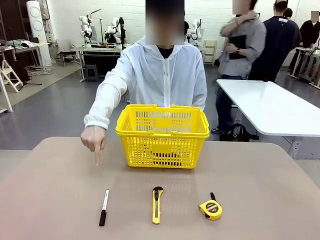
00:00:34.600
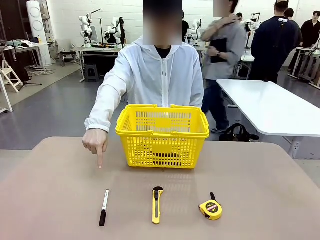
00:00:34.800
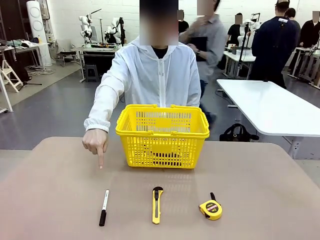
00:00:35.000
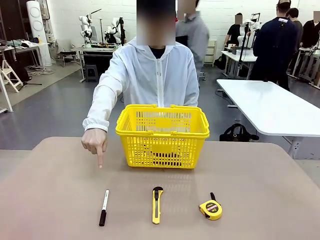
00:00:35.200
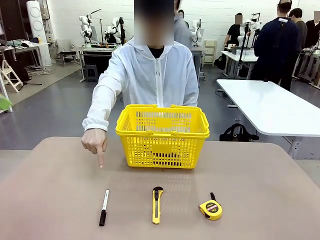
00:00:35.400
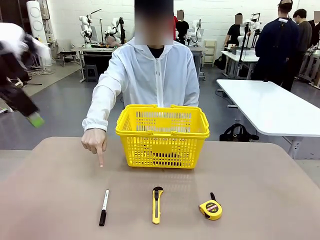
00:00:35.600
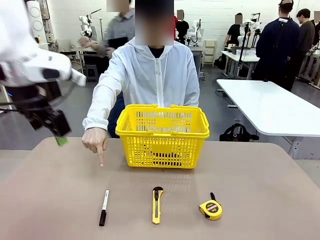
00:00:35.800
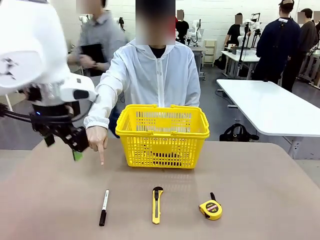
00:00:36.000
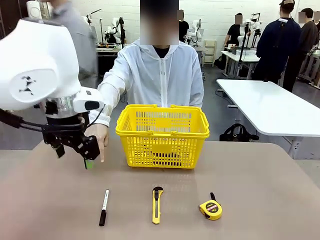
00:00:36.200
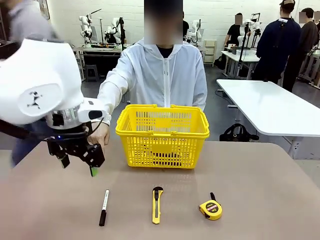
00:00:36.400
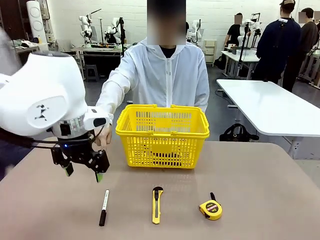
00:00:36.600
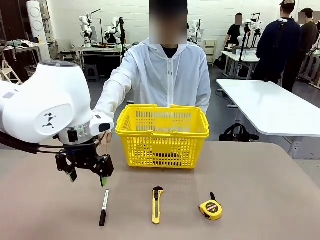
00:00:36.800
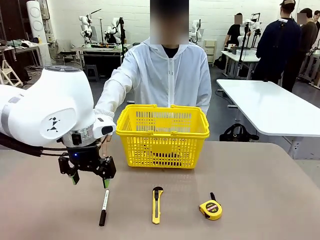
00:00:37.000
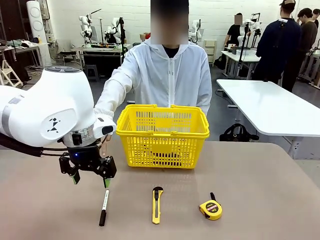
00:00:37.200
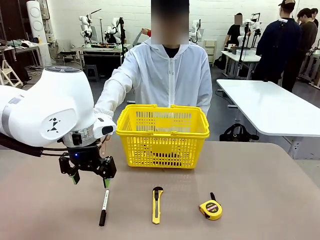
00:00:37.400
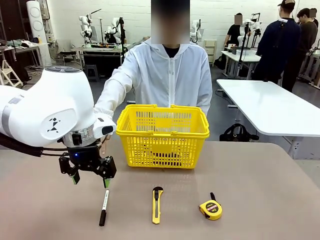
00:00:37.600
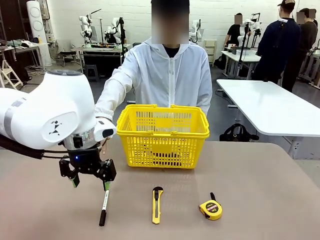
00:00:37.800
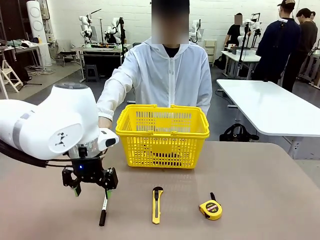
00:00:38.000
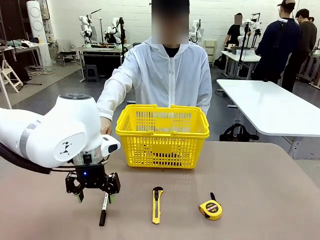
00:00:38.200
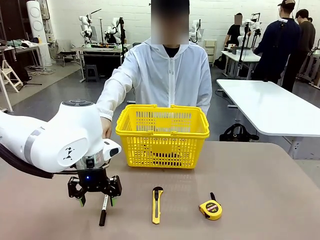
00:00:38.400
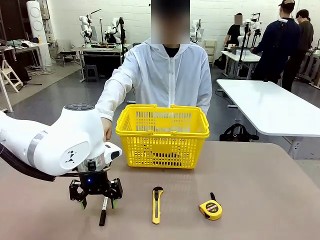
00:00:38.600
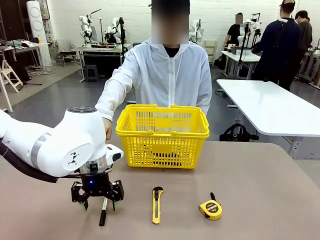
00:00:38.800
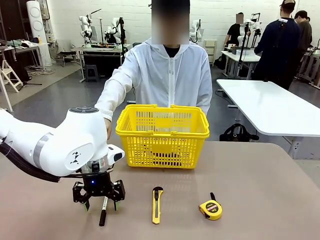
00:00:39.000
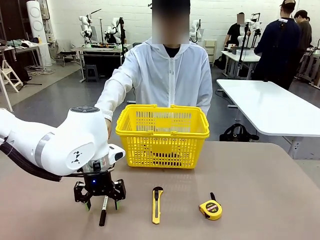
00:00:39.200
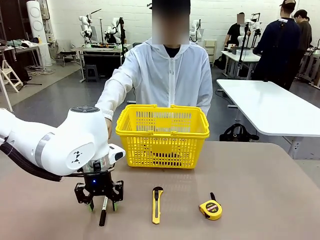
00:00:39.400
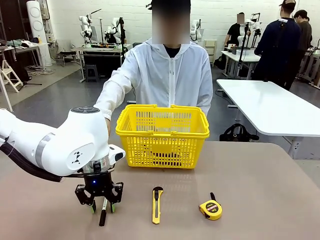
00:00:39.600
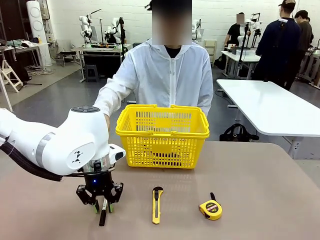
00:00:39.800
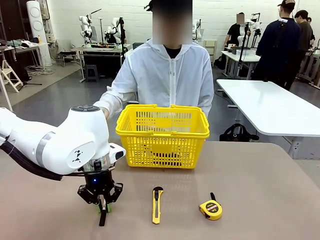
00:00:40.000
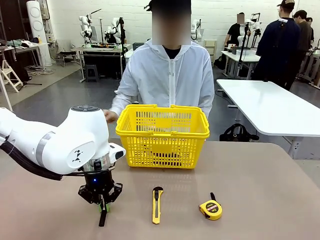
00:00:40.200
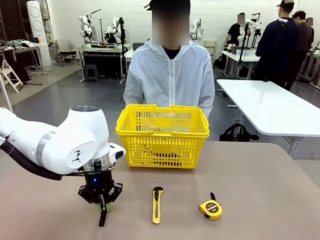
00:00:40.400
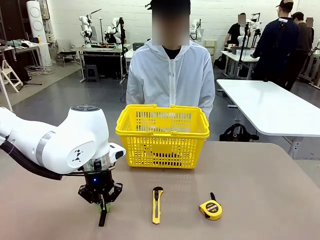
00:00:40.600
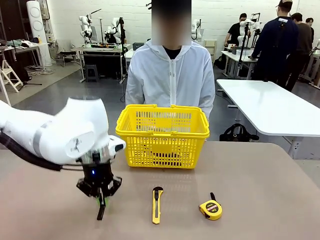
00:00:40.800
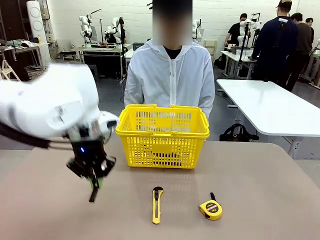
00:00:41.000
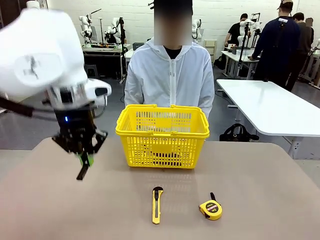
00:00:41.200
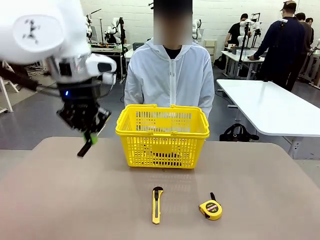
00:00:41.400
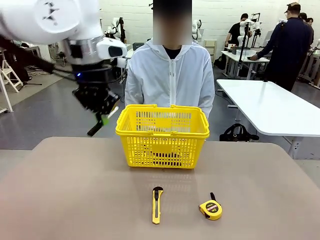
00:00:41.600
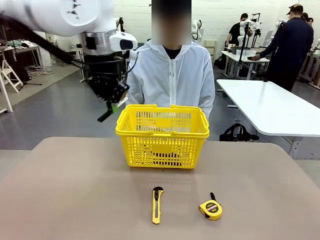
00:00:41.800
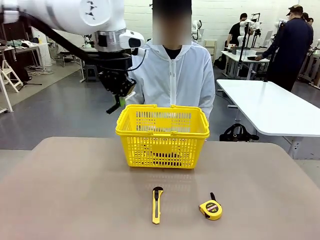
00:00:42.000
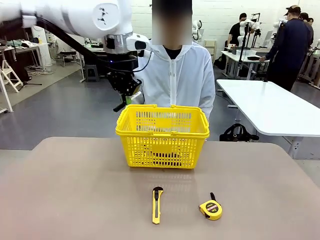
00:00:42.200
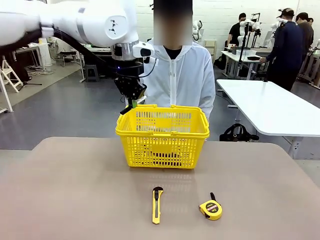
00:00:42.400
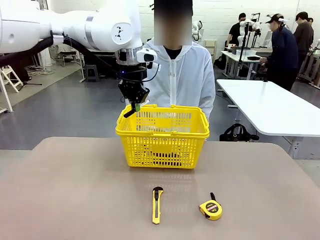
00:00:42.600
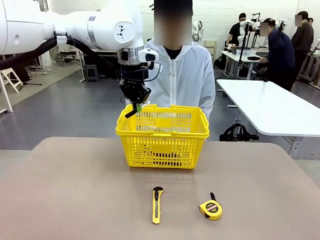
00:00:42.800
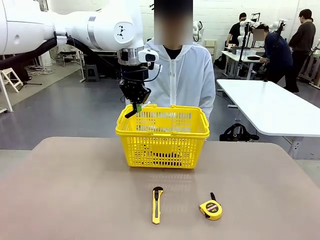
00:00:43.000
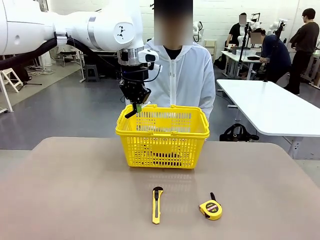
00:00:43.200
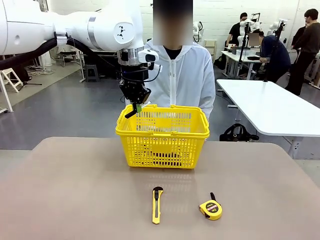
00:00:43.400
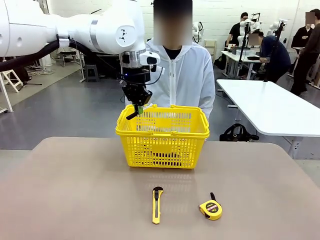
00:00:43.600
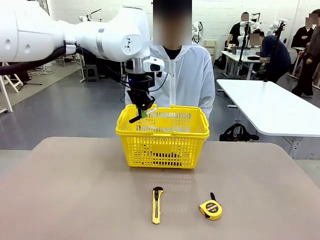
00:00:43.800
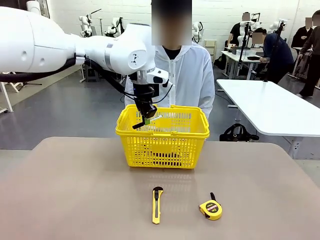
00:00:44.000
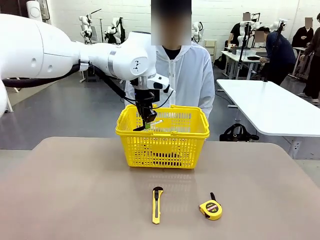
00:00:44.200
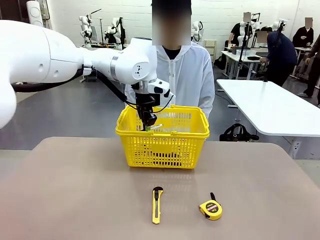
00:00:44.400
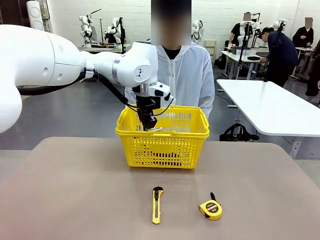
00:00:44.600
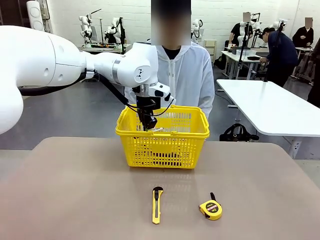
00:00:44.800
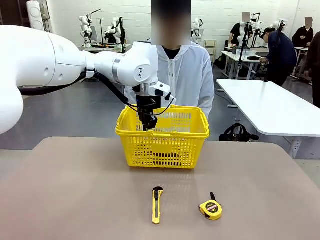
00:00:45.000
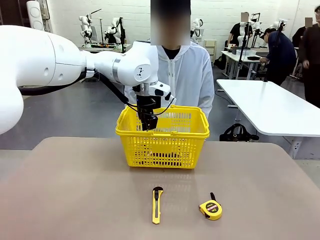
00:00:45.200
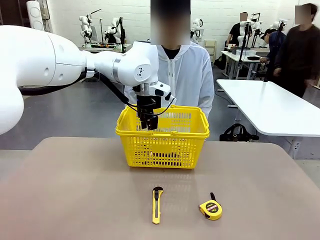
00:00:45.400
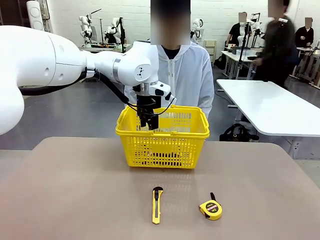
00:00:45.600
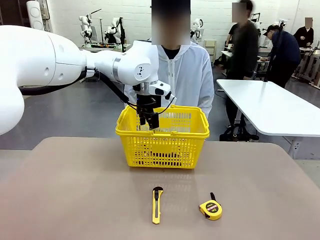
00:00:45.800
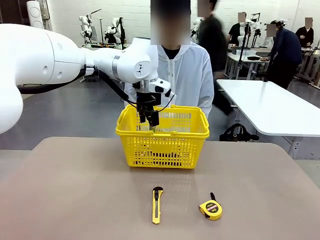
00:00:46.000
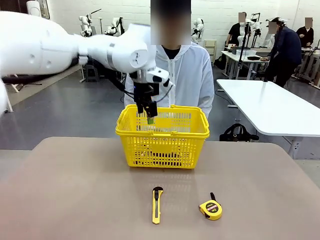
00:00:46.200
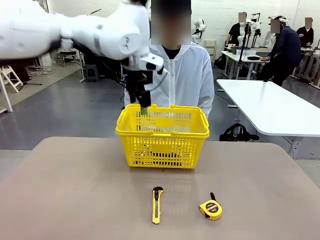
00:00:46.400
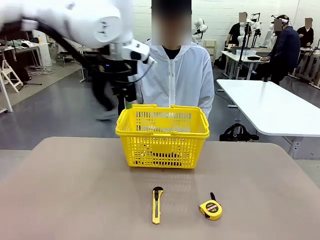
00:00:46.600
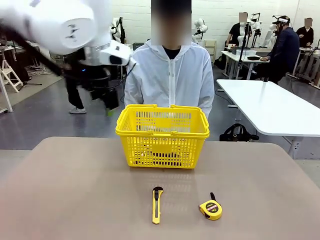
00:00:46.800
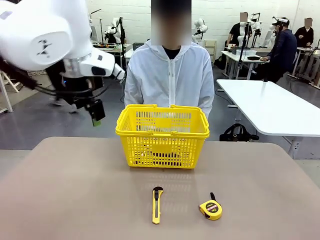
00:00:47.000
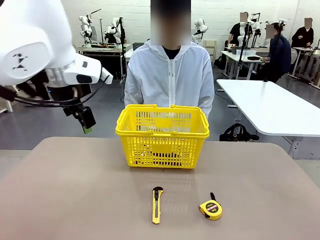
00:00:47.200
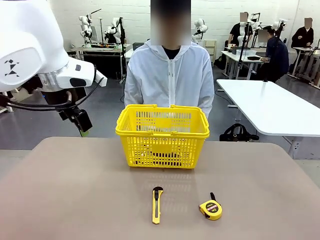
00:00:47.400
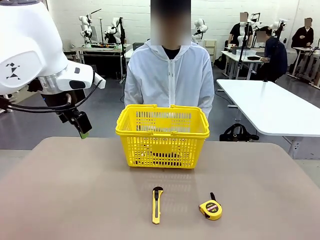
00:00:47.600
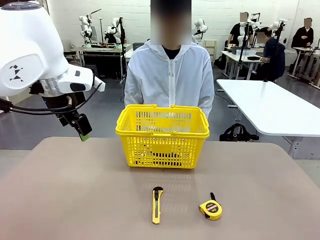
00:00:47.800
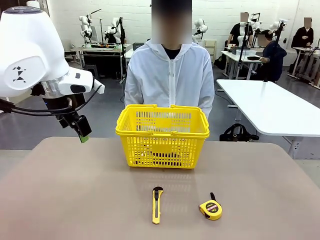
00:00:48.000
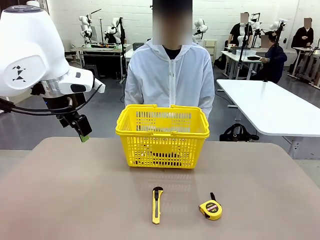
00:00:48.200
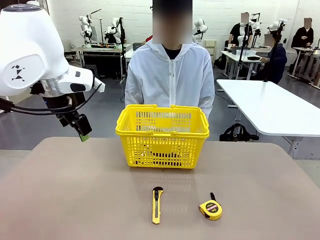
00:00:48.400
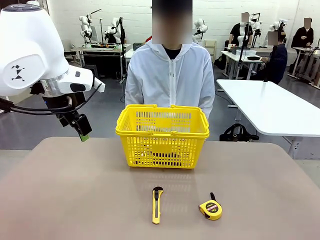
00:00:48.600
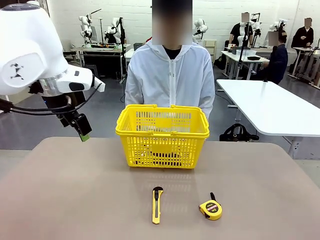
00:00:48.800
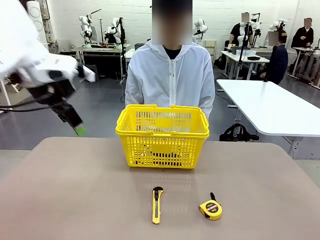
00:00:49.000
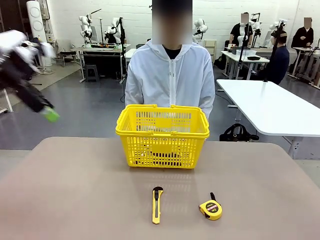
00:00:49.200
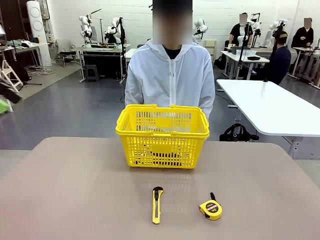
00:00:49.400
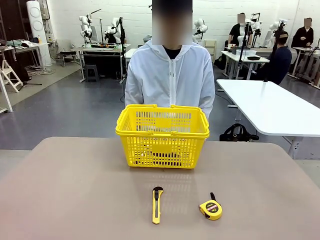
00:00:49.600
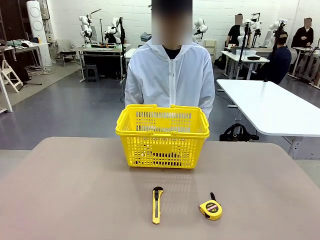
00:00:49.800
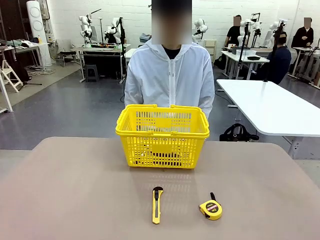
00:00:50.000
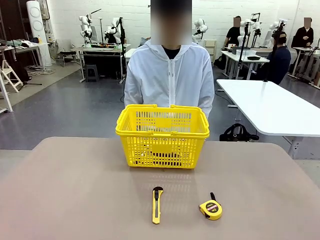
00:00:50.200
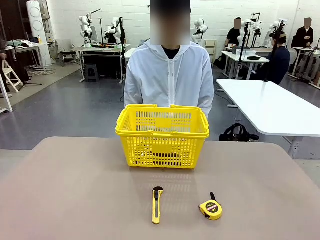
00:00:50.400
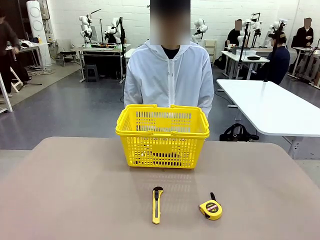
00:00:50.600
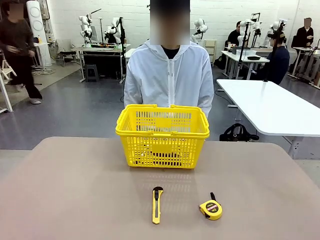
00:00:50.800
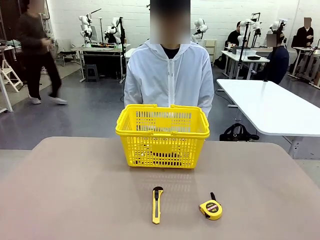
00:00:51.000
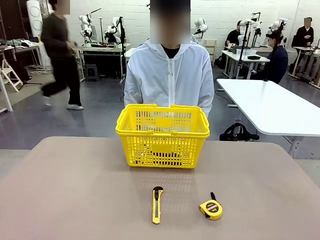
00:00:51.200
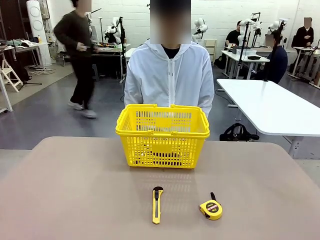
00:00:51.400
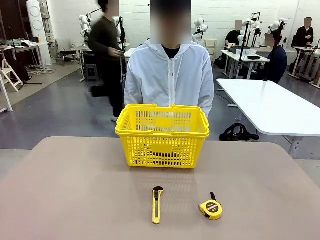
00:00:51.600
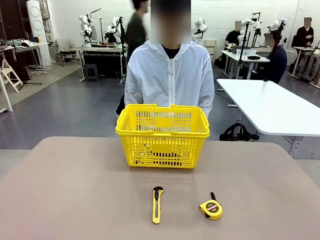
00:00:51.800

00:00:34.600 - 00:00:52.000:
Task: Place the items the person wants into the basket.
Robot: Pick up the item the person points to and place it in the Market Basket.
